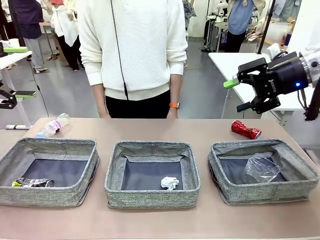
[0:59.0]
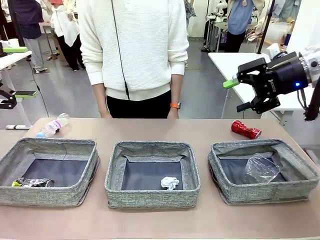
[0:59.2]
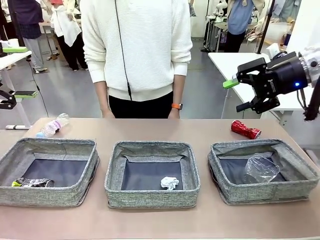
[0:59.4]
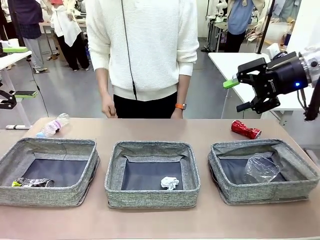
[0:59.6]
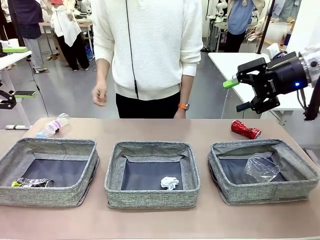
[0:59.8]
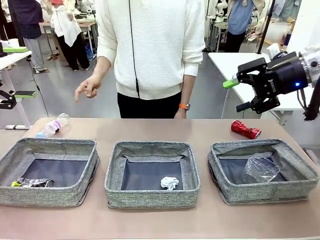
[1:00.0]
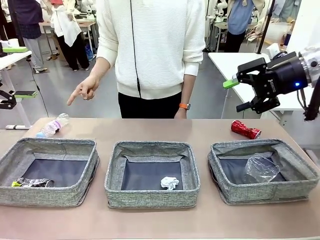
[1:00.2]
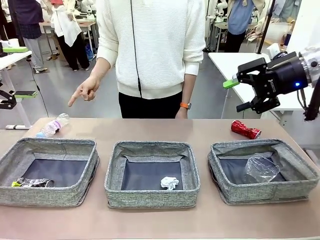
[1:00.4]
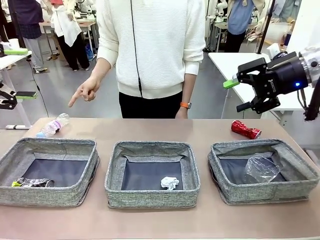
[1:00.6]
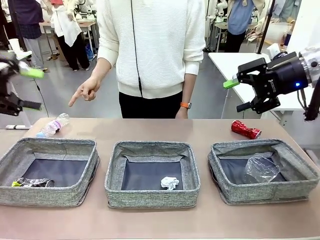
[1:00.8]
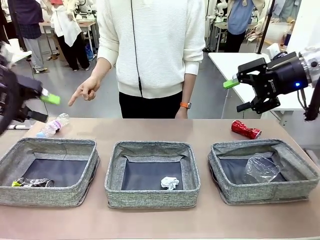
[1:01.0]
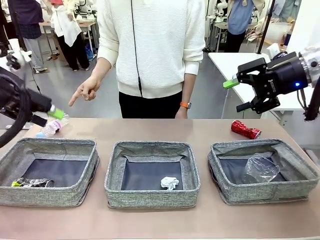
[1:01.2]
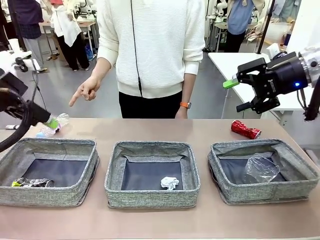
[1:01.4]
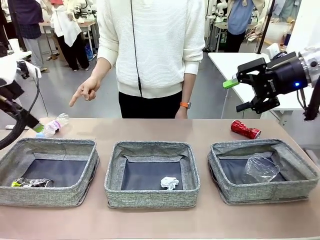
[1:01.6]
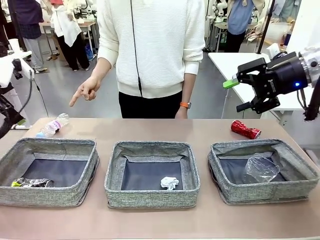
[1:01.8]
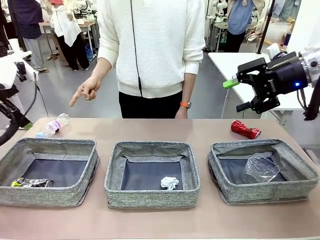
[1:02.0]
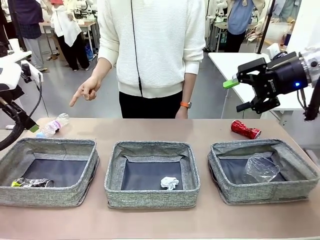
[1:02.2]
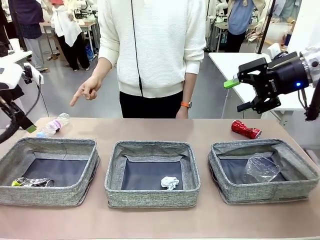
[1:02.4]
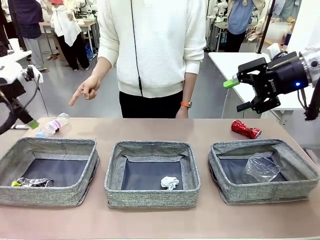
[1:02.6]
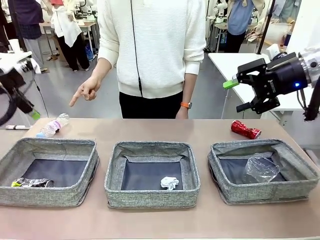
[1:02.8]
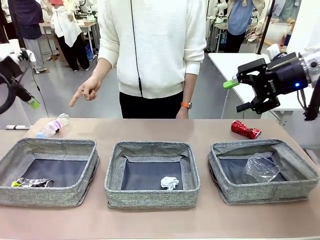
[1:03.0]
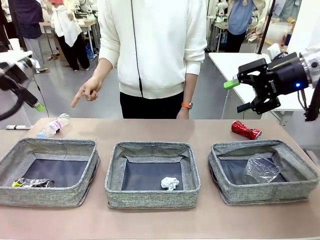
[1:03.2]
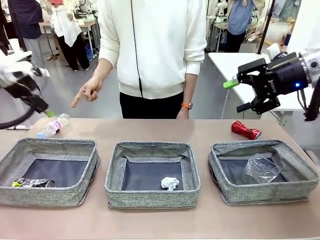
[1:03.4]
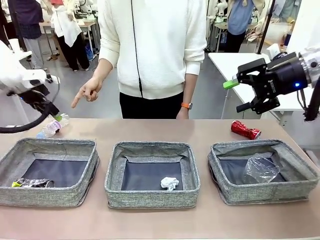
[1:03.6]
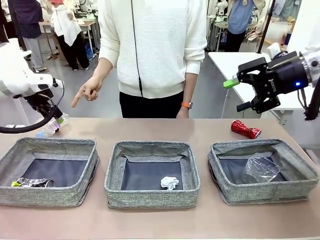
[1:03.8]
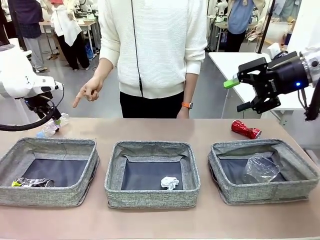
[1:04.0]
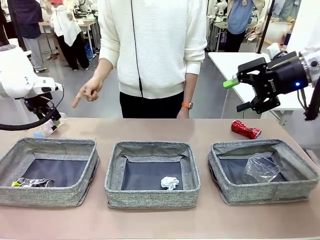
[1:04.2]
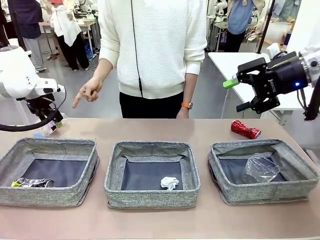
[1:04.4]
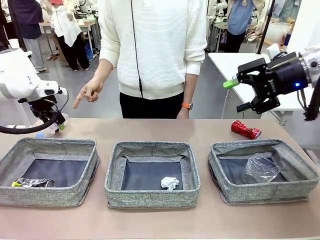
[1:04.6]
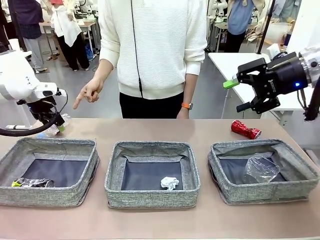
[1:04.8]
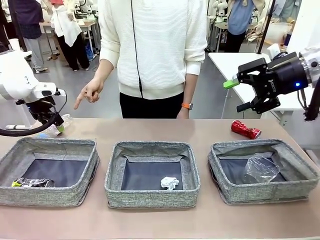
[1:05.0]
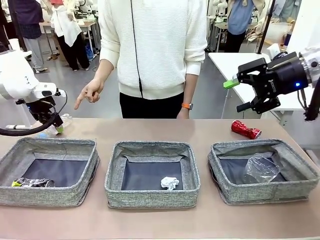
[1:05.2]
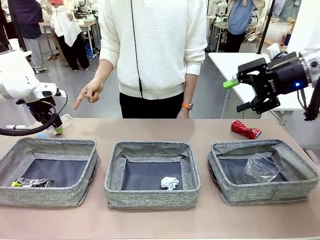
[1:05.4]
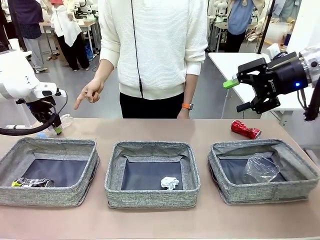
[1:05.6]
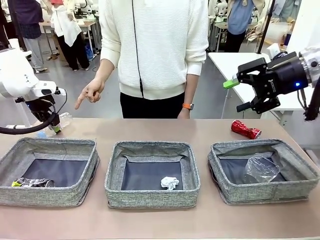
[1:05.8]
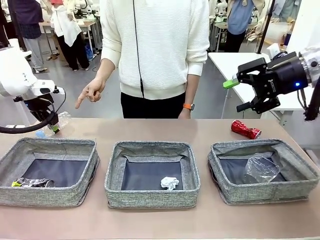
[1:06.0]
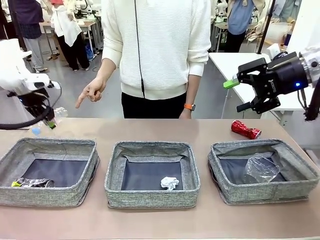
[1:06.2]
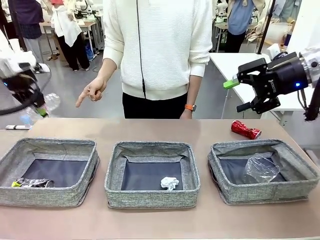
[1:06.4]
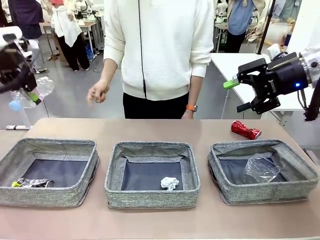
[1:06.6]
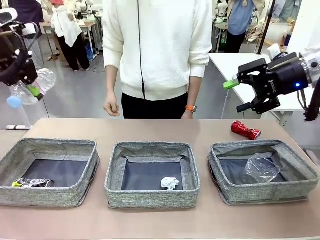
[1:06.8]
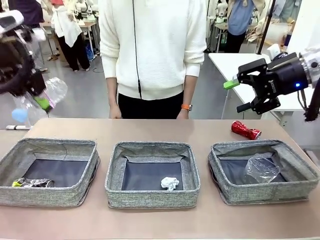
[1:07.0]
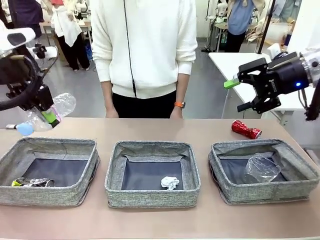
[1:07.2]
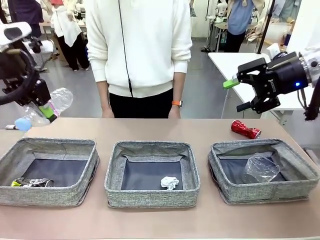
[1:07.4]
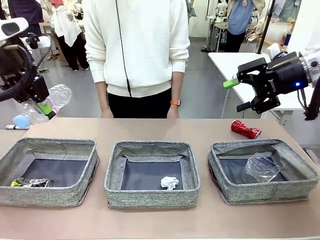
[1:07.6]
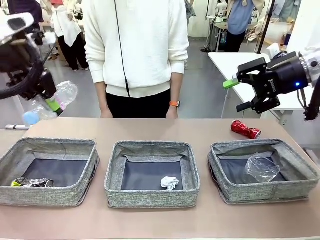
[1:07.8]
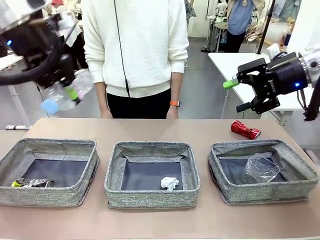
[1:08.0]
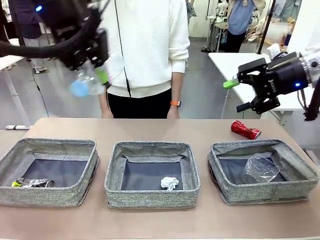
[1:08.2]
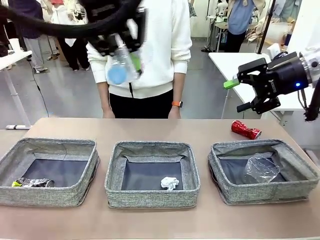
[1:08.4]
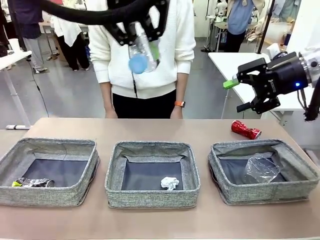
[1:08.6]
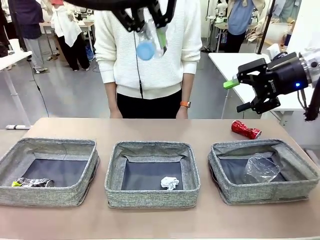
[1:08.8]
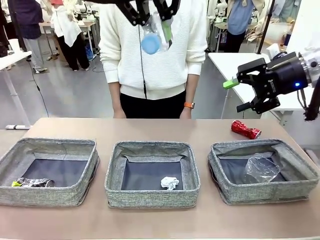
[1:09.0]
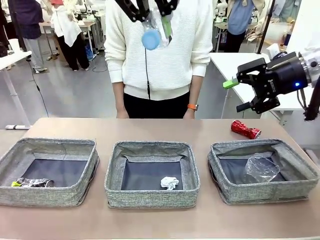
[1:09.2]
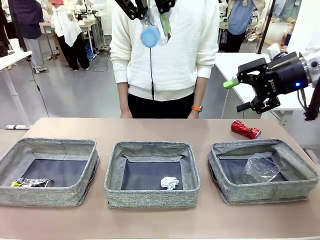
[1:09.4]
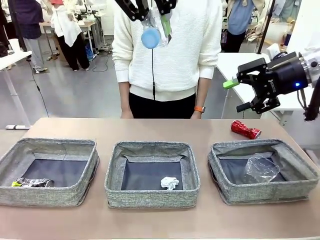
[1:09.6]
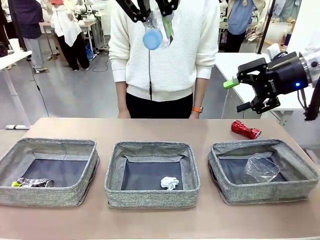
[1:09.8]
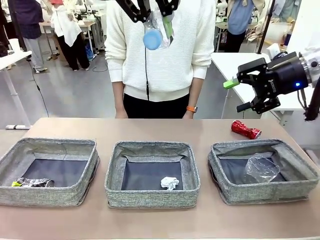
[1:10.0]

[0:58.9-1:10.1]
Task: Sort the waste into the appropriate baskets.
Robot: Pick up the waste item pointed out by the person.
Person: Points to one piece of trash on the table.

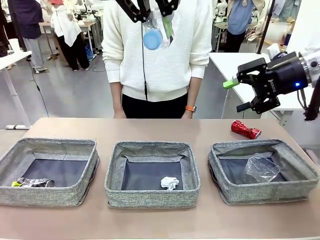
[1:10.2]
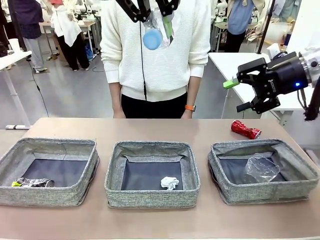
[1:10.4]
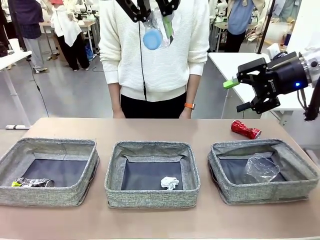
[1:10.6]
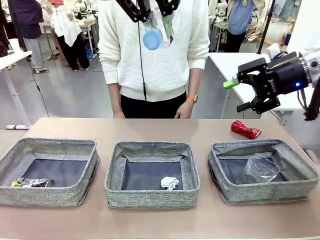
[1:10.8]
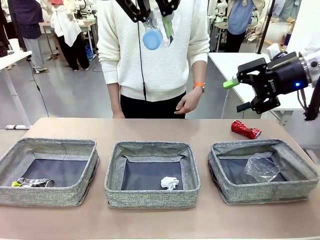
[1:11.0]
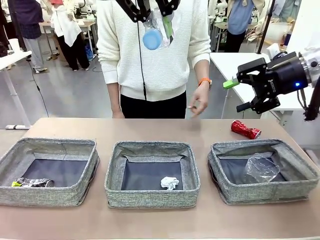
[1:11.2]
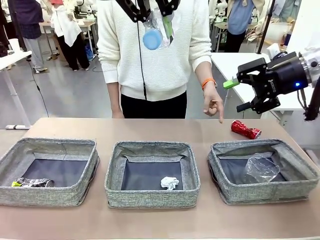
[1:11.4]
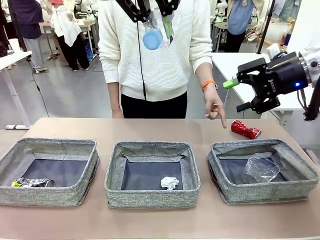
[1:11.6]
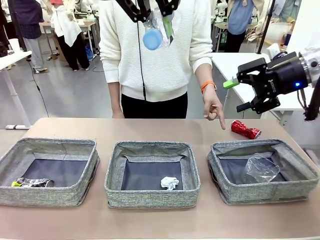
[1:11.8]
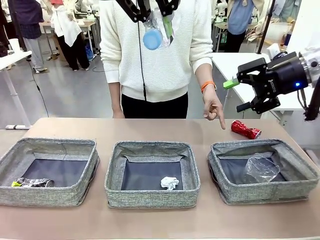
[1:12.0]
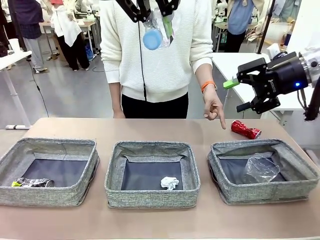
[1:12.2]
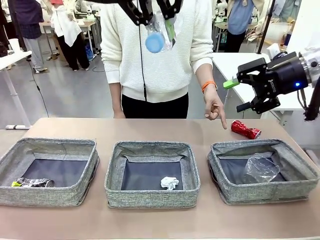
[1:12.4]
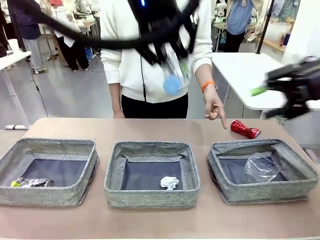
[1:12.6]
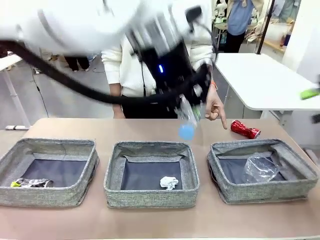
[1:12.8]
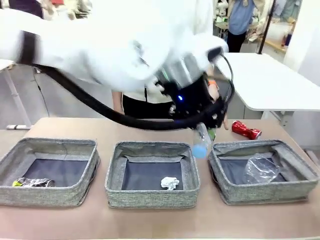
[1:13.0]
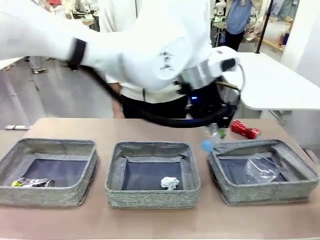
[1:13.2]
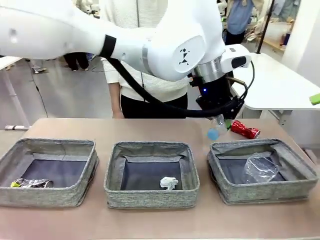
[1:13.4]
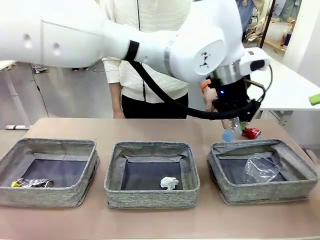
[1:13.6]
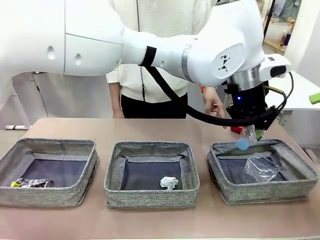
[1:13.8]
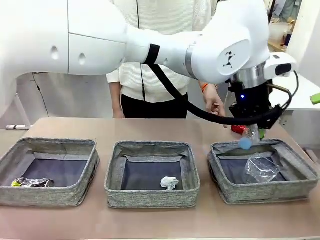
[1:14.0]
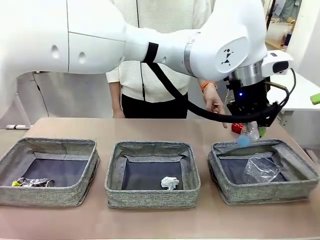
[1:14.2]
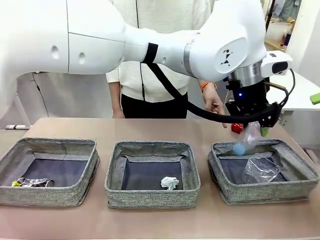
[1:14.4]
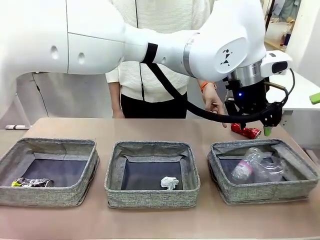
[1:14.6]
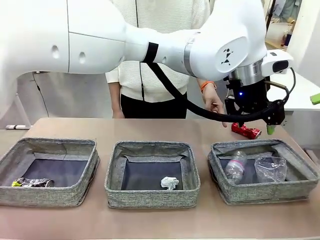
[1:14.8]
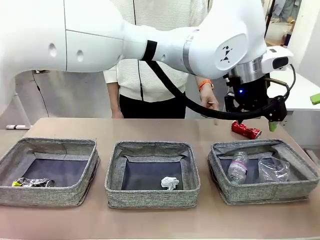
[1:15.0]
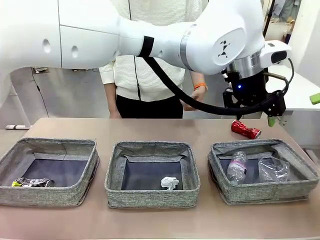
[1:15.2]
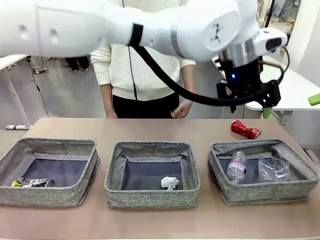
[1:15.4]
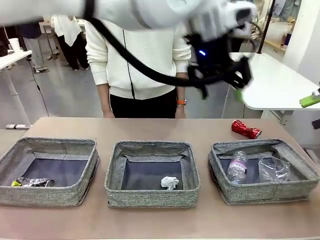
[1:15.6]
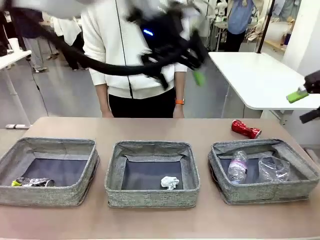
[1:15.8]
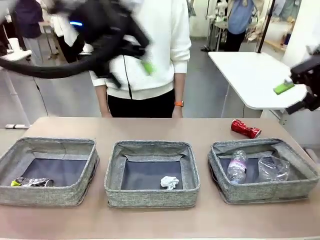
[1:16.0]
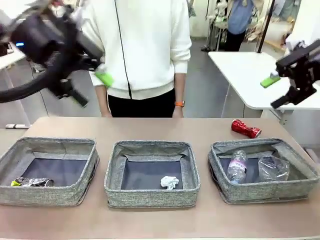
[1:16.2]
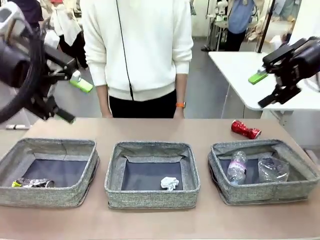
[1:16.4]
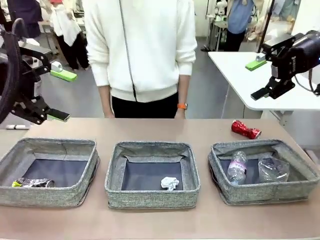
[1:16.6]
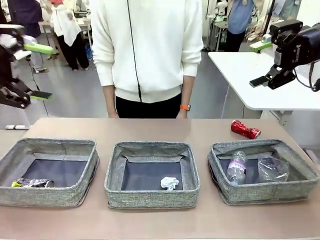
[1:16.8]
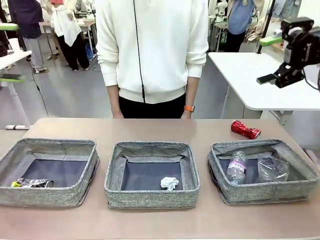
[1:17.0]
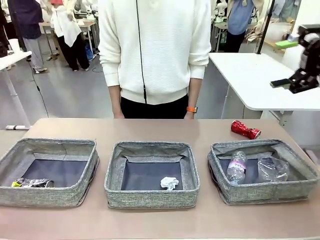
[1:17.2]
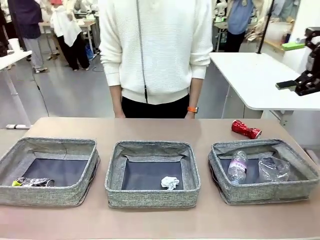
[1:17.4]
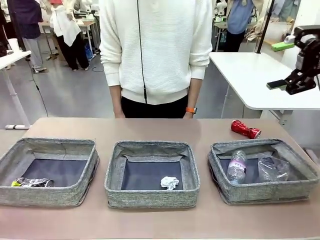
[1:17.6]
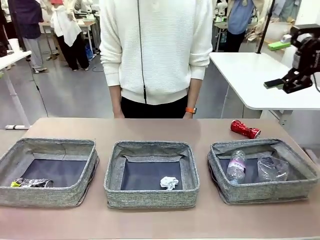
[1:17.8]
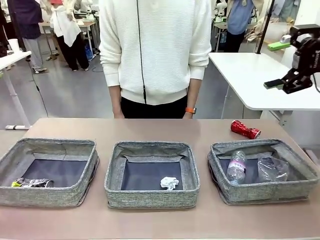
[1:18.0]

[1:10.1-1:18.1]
Robot: Place the picked waste into the Fabric basket indicated by the person.
Person: Instructs the robot to place the picked-up trash into the appropriate organizing basket.
